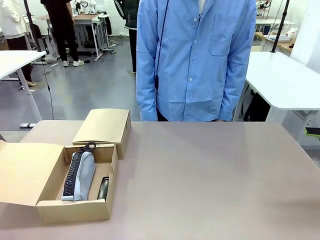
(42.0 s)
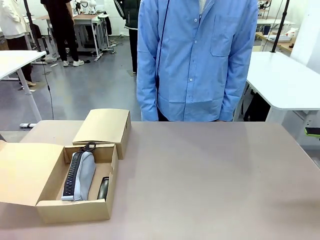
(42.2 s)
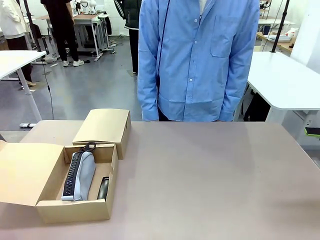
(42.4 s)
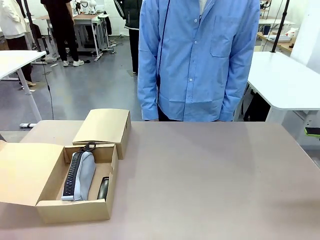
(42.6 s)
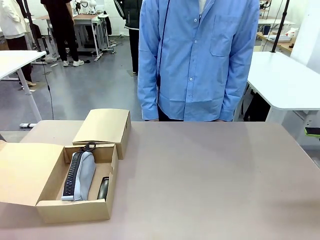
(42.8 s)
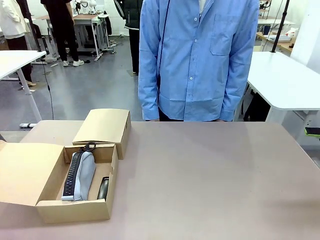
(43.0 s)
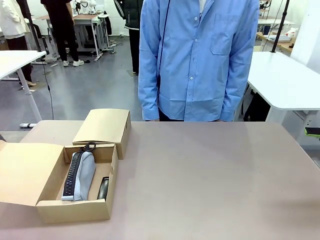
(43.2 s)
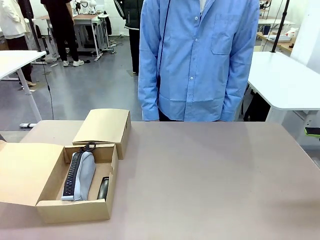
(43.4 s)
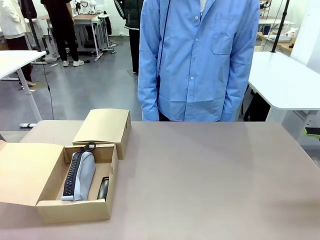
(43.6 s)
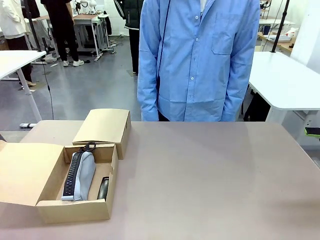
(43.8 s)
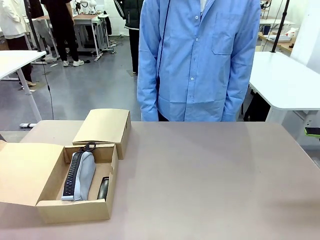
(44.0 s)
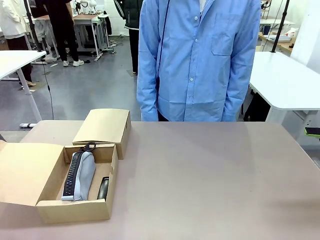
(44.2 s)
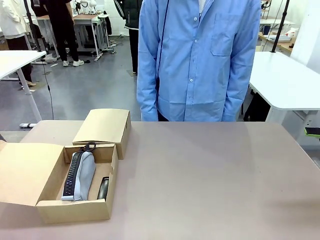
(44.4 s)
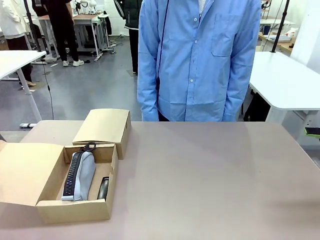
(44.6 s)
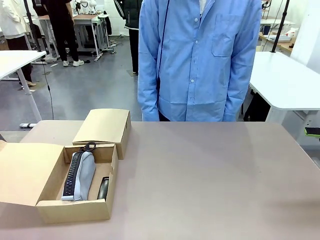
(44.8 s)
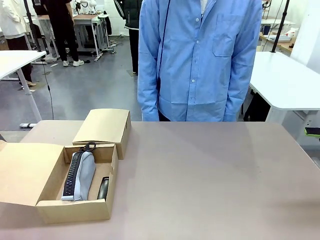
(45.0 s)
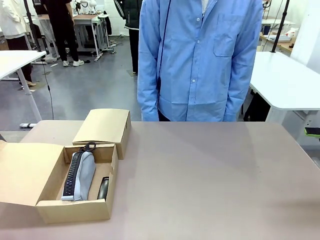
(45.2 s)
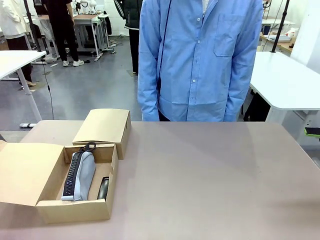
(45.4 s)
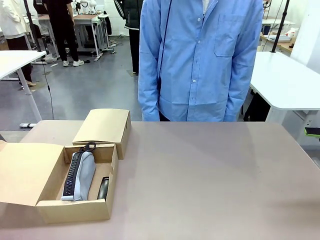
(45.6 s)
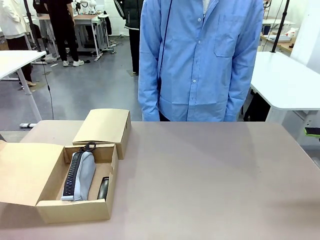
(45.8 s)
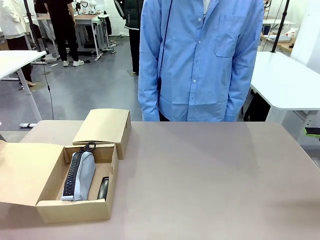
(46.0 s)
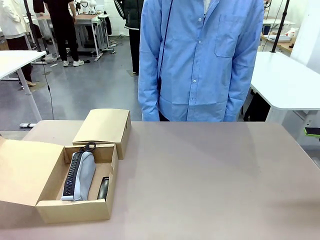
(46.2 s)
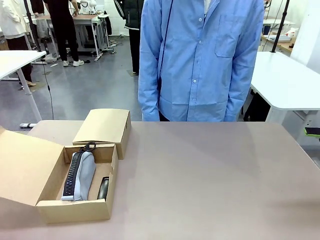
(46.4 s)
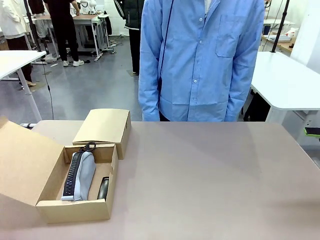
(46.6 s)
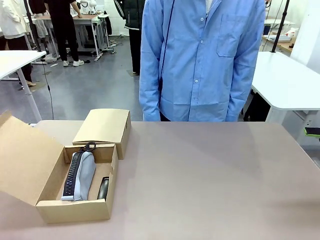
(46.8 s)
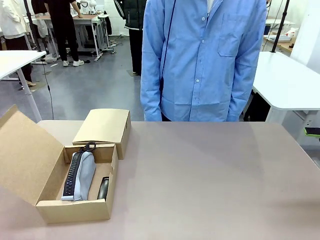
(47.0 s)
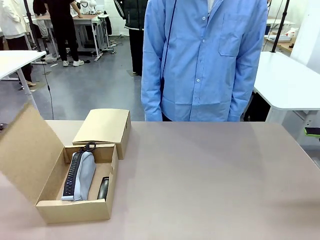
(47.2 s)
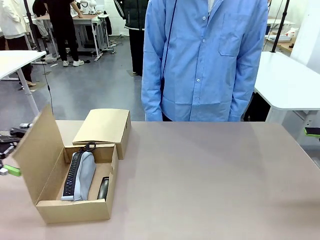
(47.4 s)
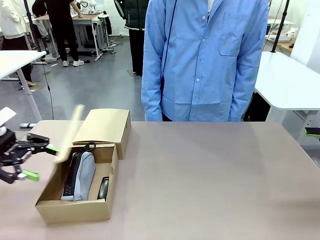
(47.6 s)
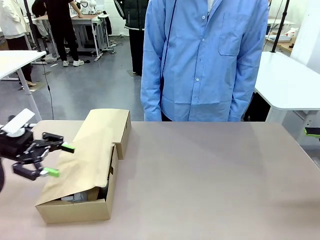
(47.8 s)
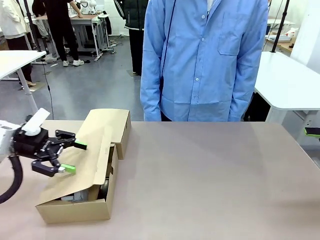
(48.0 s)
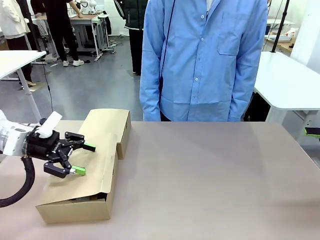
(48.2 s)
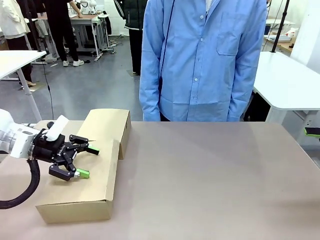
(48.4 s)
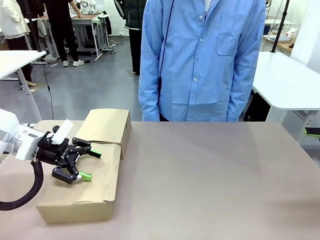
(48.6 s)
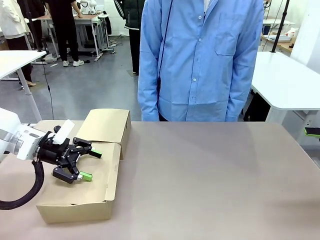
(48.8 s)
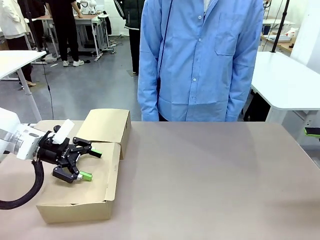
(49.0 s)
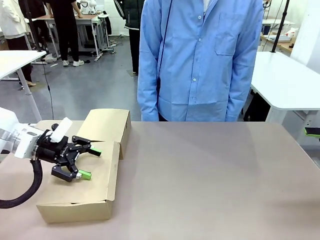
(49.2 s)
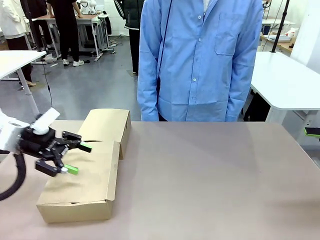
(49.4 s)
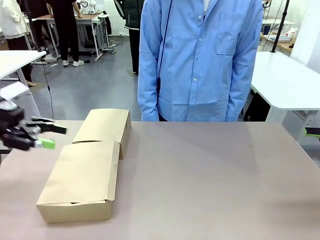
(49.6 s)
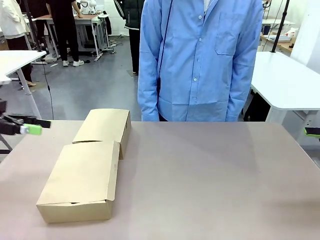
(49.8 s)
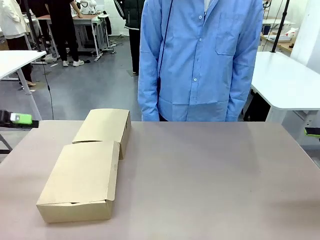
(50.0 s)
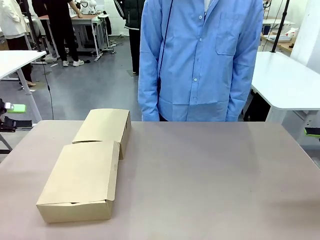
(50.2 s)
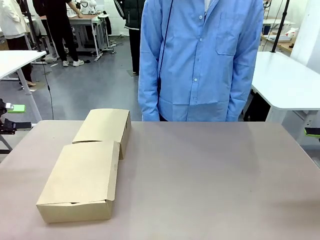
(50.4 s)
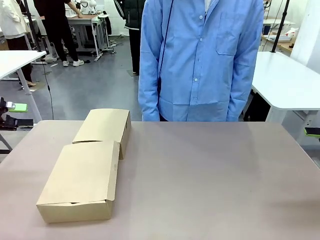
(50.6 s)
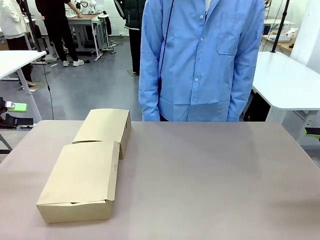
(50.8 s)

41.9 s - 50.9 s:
Task: Place items inside the box.
Robot: Close the lid of the Mailer Box closest to the robot.

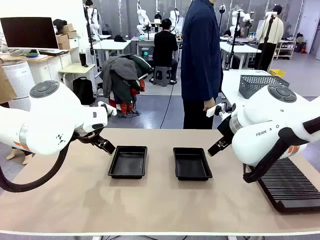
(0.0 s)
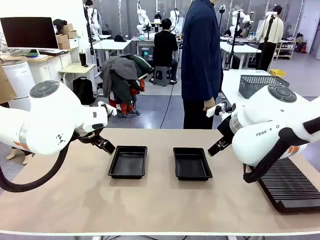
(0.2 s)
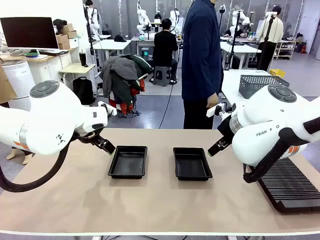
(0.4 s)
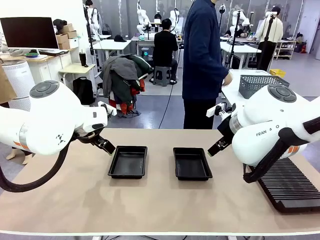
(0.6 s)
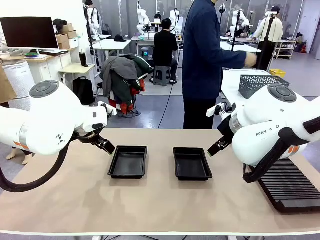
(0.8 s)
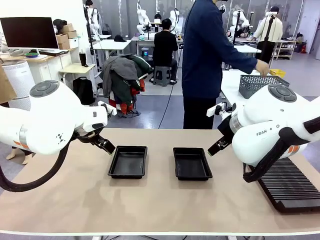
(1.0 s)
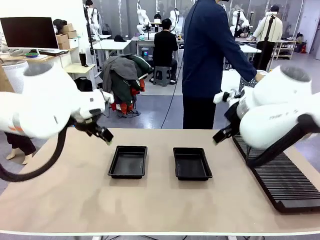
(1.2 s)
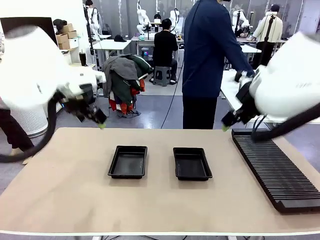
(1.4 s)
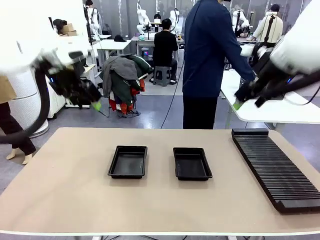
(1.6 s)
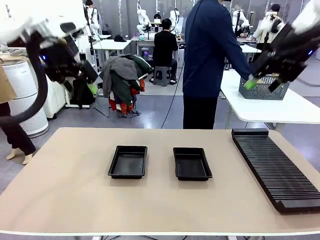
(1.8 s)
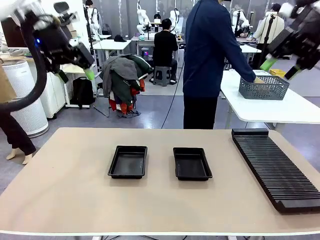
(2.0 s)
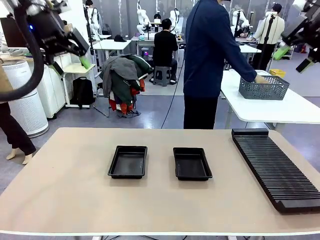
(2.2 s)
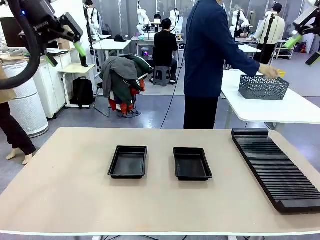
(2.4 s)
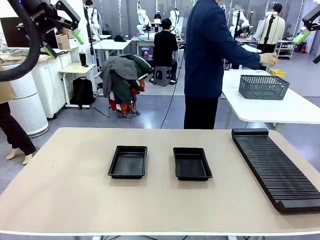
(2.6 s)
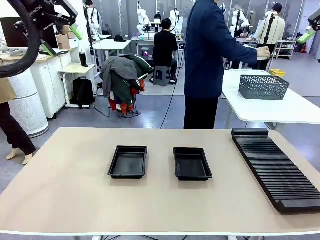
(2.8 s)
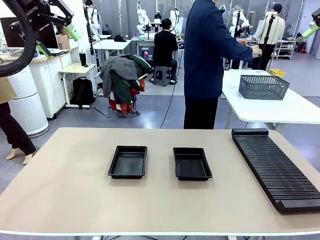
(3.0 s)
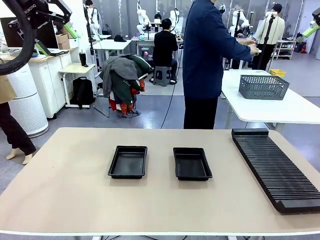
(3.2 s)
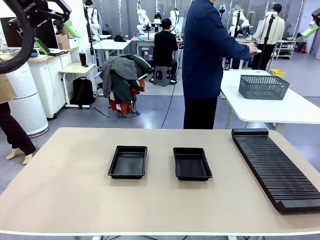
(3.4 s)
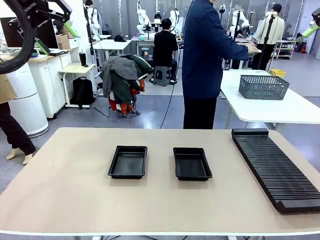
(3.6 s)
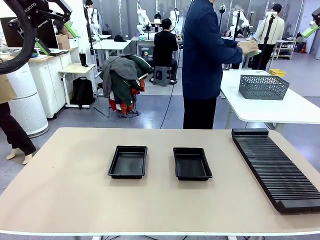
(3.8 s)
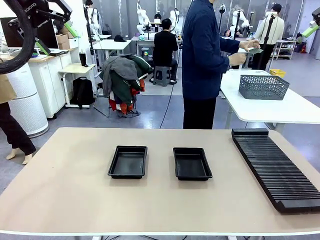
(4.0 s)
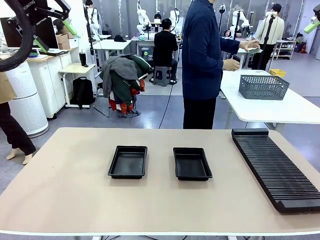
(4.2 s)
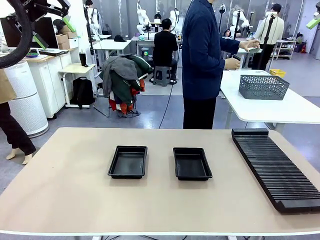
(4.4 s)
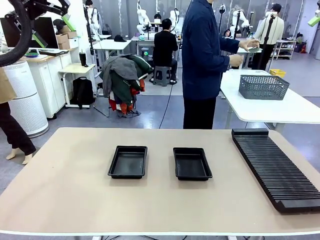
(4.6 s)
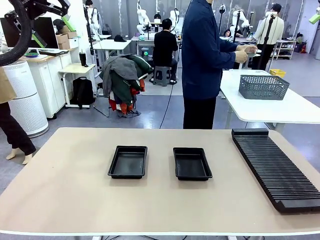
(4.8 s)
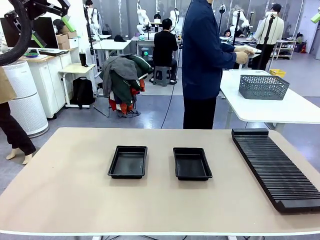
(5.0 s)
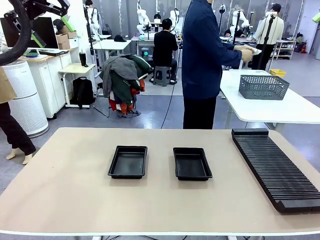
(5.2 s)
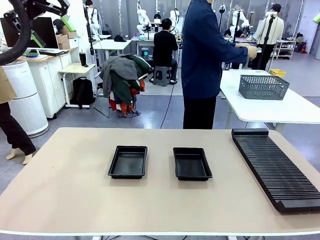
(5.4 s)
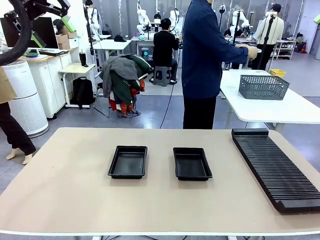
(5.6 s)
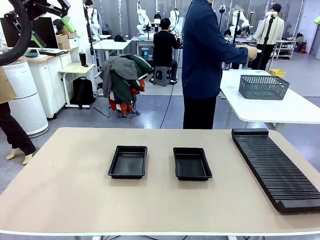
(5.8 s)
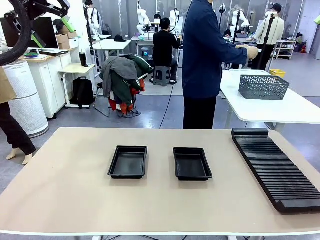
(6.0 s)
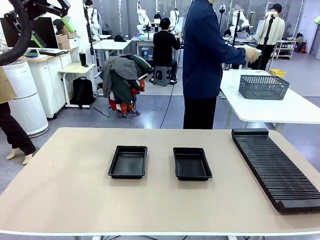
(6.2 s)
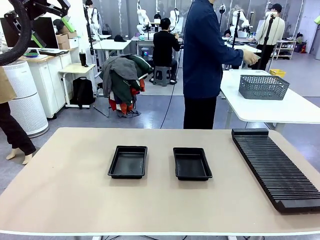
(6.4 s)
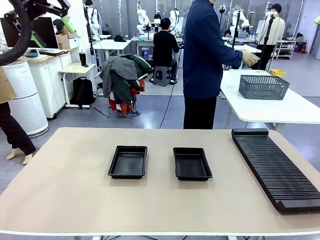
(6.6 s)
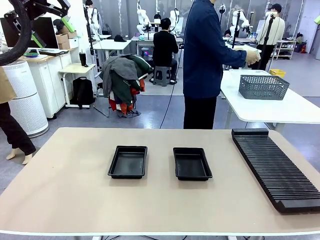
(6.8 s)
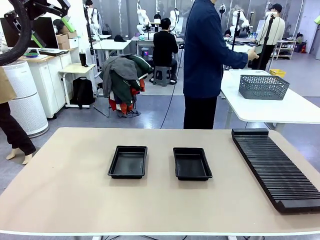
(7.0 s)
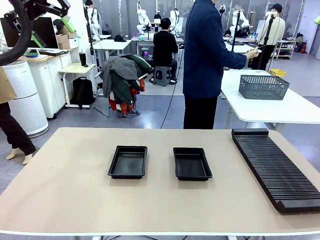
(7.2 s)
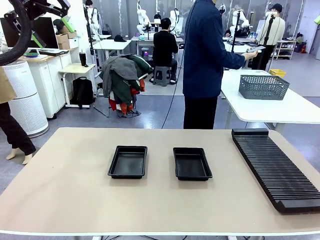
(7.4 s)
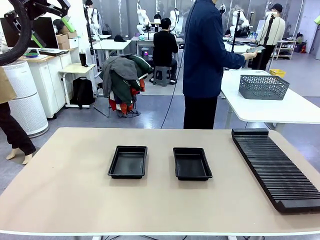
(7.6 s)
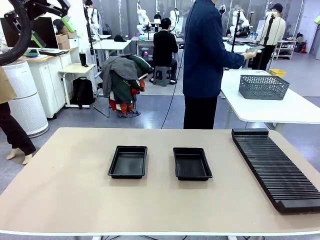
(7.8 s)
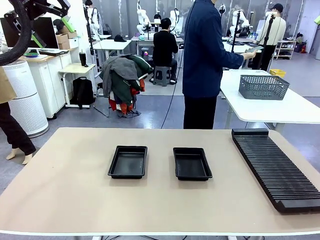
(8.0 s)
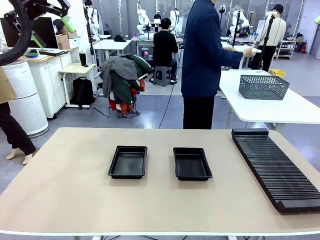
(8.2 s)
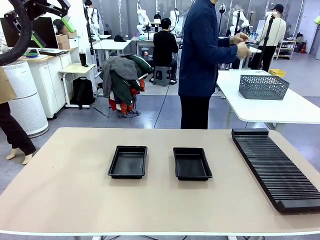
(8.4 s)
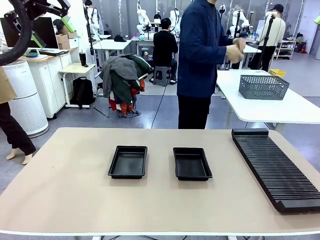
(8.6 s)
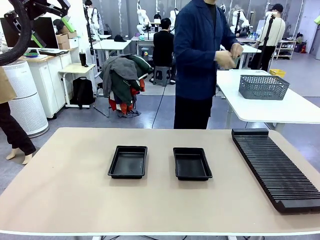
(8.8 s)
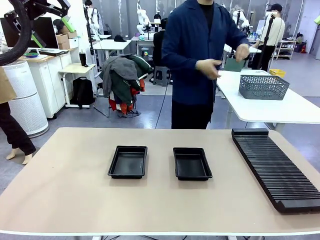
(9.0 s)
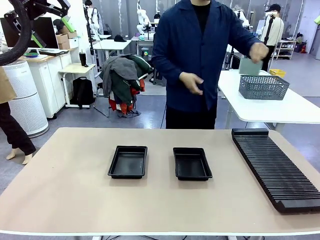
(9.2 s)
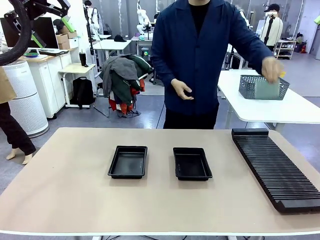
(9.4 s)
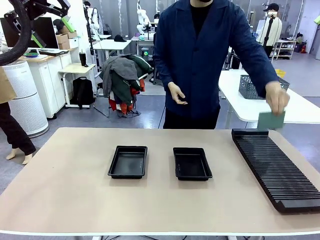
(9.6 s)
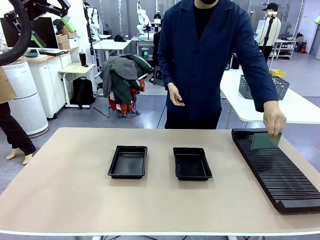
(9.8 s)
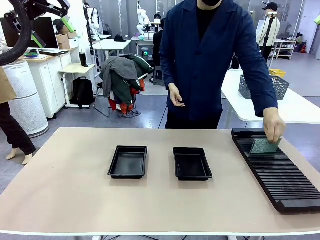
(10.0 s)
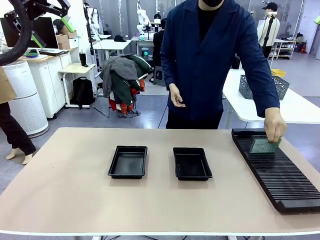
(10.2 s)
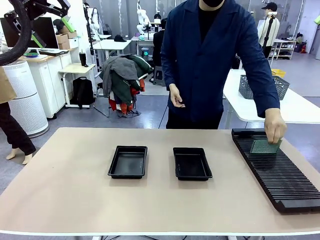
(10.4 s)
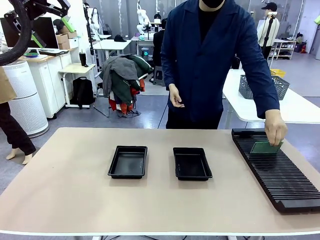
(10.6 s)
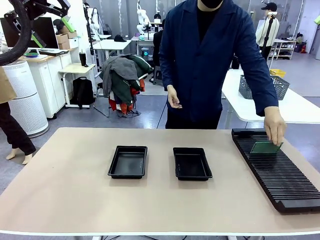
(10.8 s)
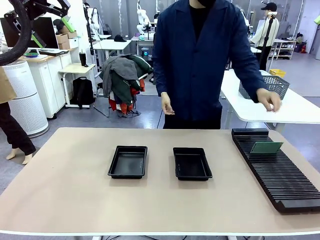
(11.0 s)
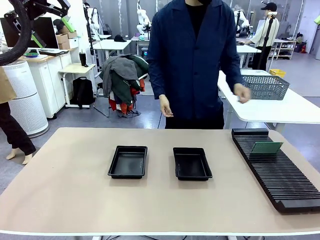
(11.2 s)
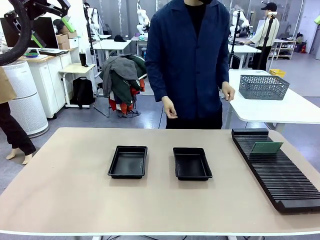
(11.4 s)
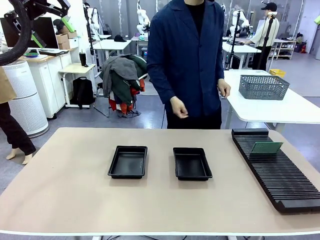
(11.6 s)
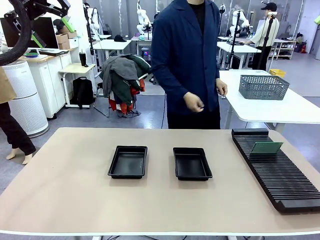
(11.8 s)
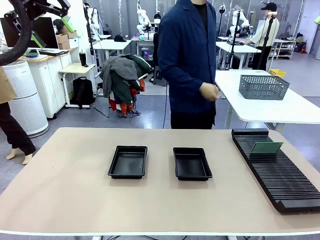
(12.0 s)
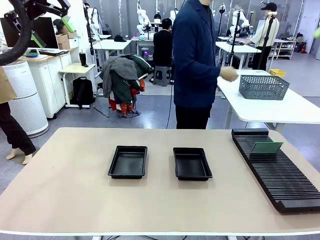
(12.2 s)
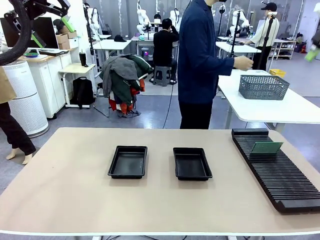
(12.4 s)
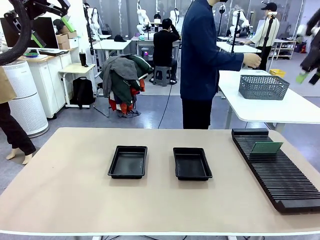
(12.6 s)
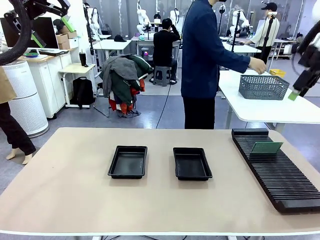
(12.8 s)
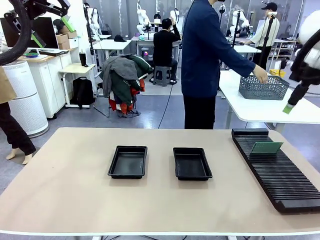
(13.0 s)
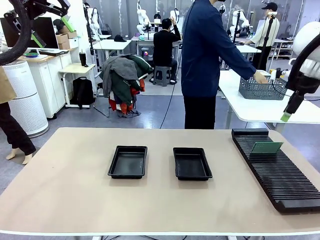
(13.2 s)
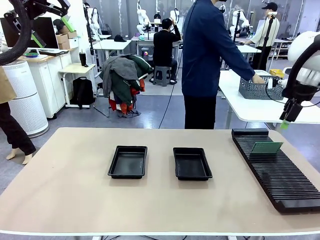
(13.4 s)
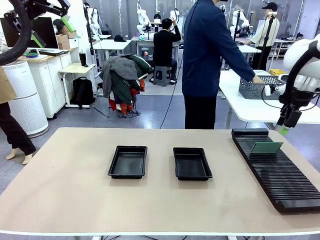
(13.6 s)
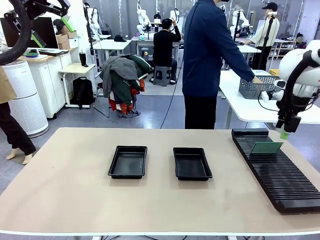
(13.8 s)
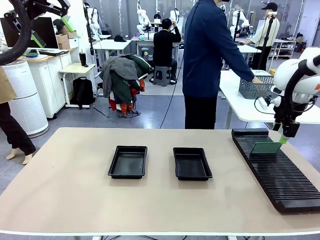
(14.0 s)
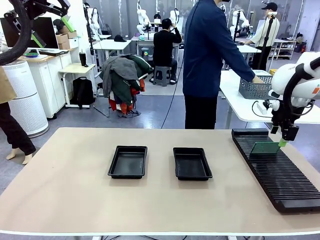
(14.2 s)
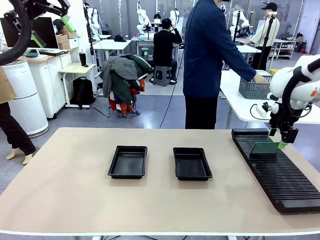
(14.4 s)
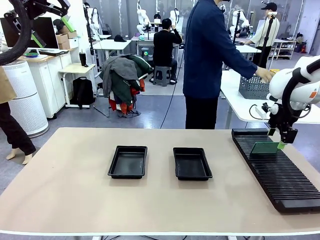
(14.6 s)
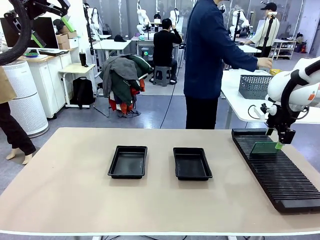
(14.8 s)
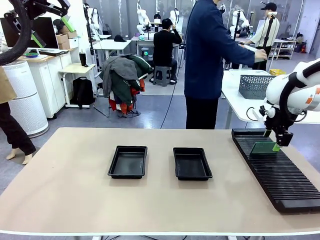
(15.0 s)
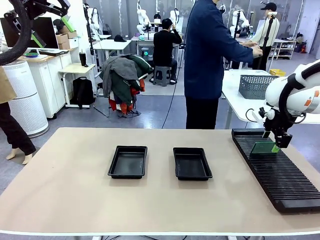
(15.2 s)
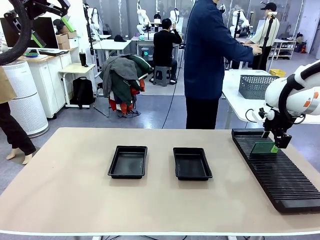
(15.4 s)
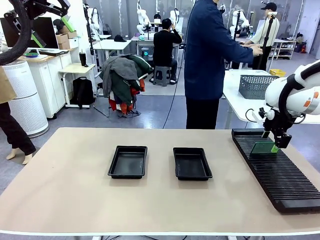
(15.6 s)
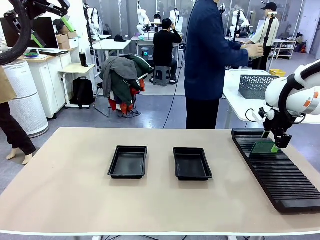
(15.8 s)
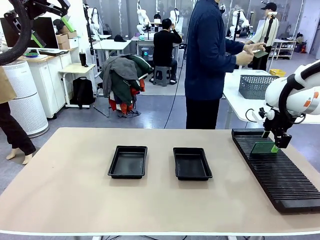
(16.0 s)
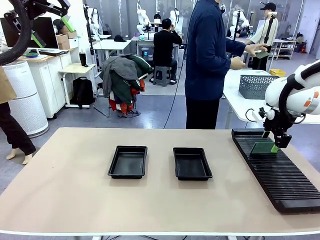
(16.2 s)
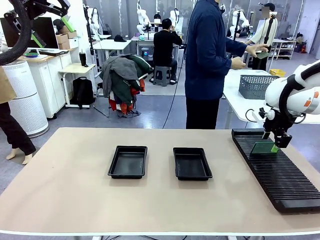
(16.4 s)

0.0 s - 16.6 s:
Task: Inspect and transfer BCBs to ESD trays.
Robot: Pick up the Blank PCB from the PCB Rack and place it in the left ESD tray.
